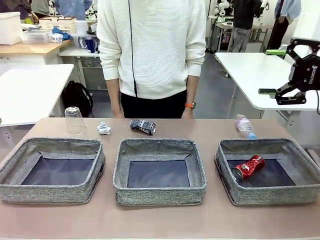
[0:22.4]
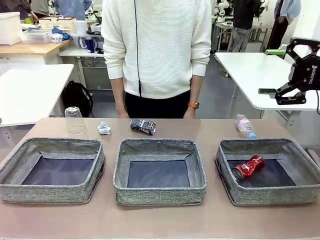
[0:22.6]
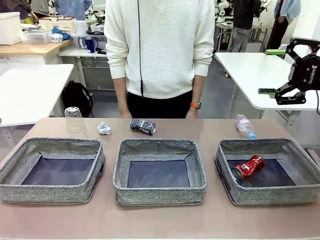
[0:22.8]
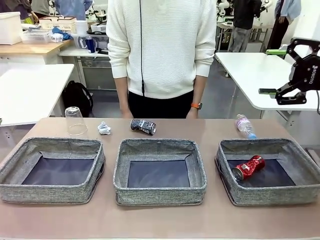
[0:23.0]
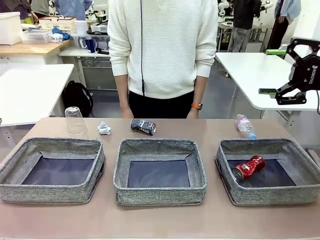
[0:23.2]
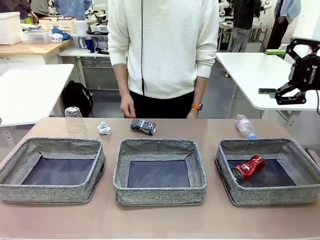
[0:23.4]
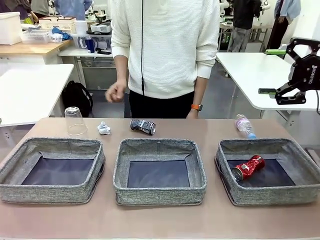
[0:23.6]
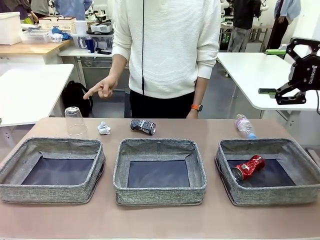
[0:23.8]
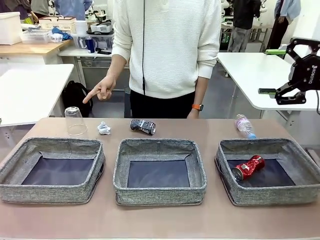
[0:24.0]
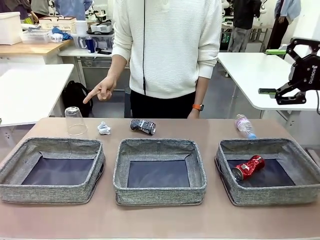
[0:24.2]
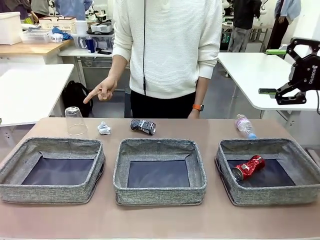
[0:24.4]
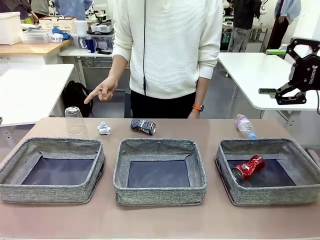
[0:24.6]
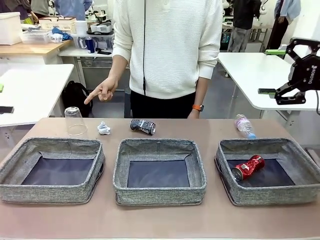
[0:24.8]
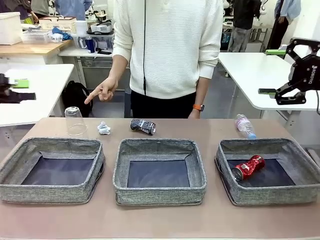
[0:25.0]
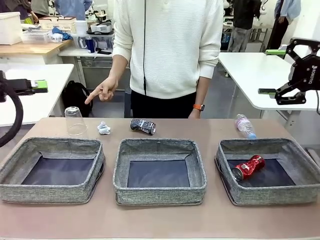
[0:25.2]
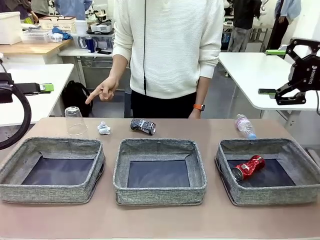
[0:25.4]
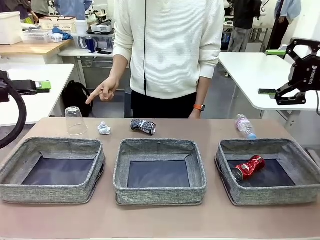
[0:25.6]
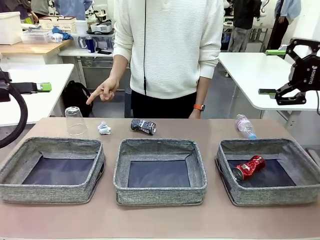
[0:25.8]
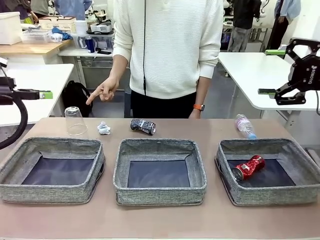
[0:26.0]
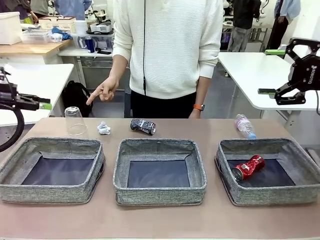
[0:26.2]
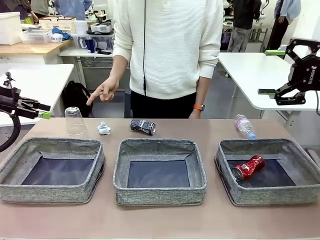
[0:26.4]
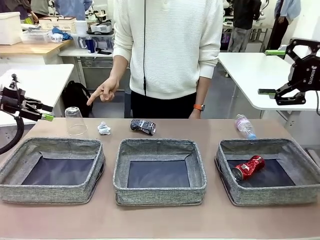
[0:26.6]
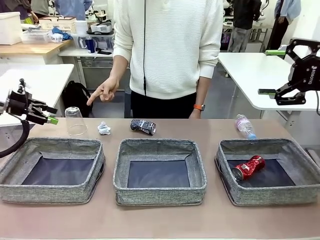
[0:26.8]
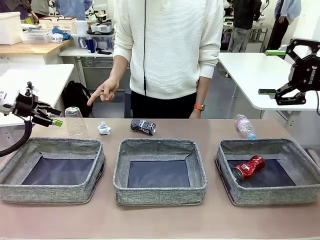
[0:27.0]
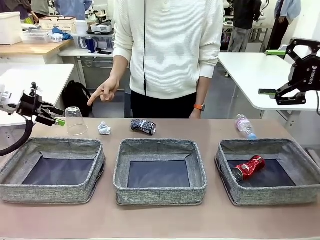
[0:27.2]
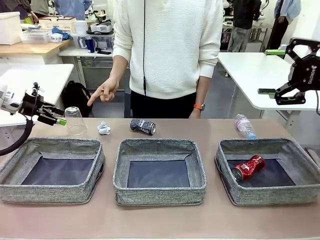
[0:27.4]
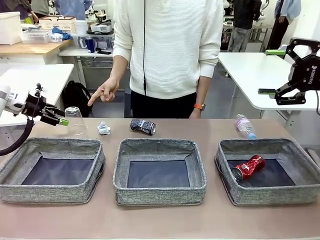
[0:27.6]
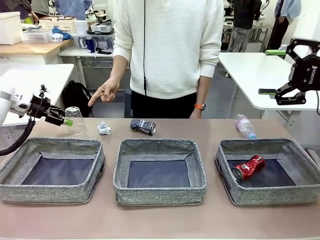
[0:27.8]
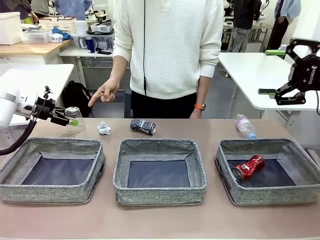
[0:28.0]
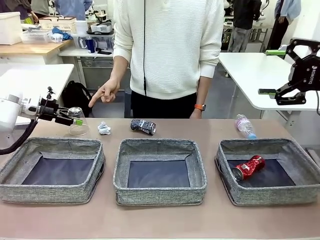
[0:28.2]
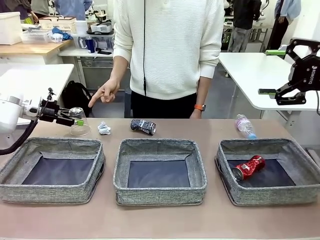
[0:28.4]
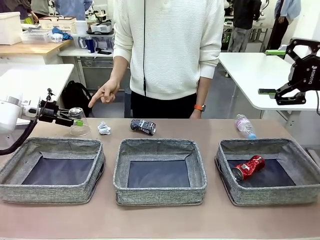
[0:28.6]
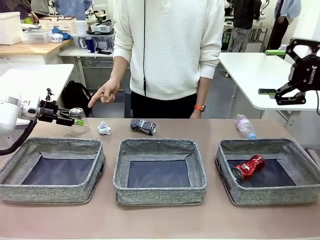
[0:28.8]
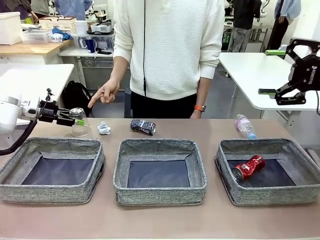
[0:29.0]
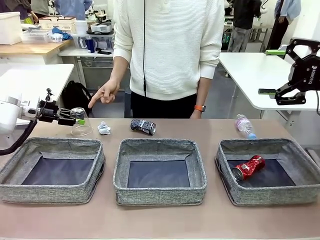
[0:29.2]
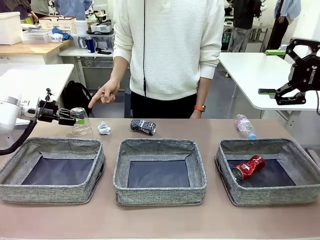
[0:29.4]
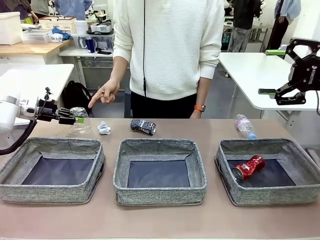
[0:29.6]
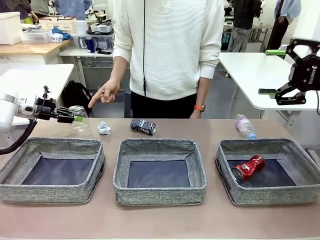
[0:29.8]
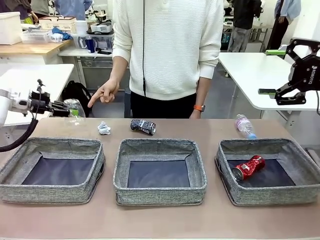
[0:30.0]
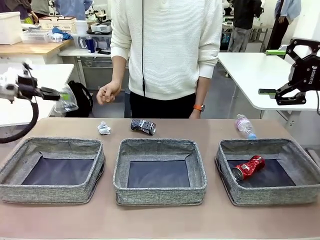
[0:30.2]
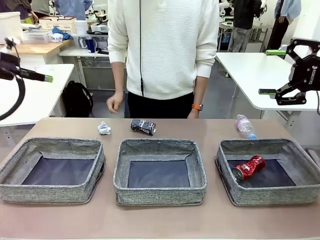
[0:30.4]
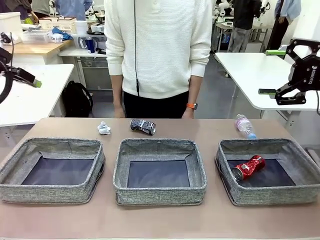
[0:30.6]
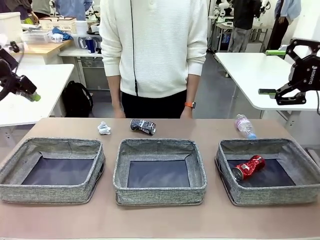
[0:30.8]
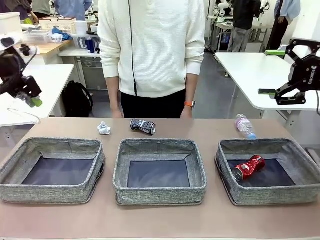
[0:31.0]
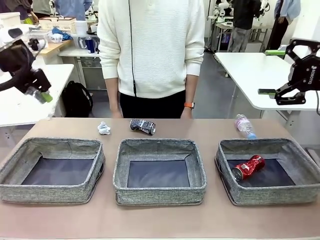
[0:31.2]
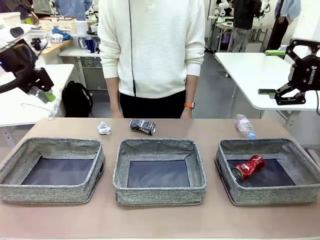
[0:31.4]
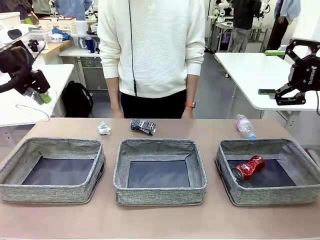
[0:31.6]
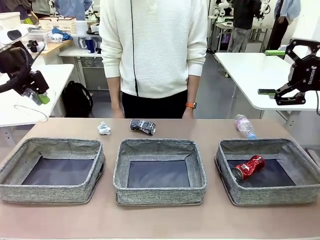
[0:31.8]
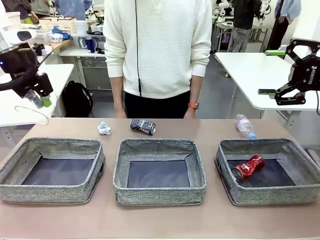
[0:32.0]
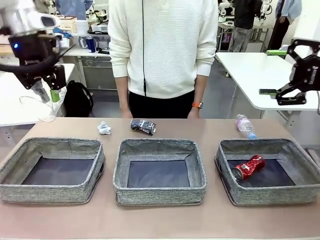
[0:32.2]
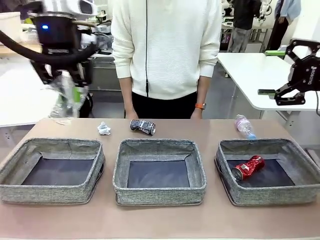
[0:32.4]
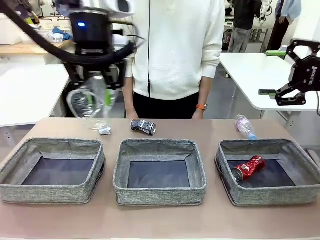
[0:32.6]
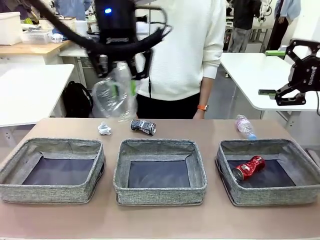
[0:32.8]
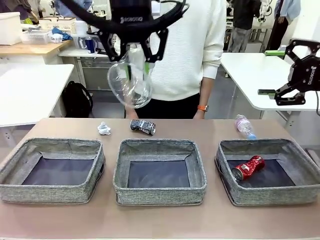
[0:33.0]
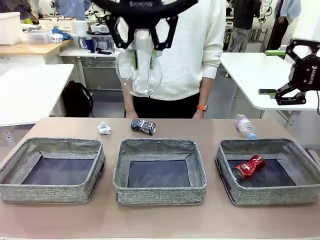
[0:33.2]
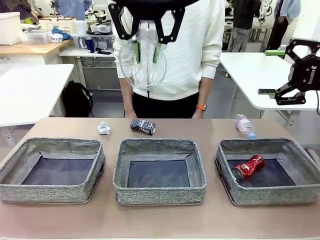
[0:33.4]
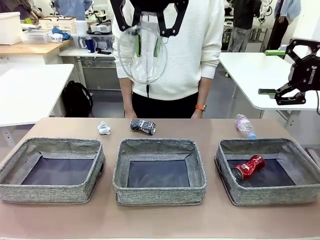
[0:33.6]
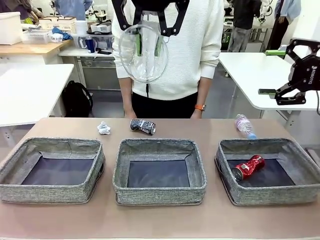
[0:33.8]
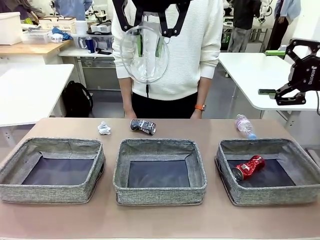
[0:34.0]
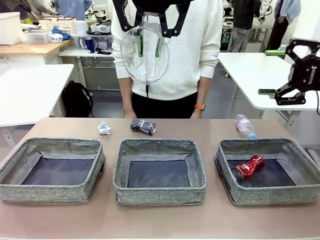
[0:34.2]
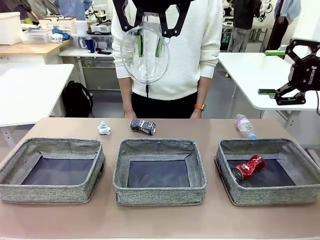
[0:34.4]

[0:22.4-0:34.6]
Task: Sort the waste into the appropriate baskets.
Robot: Pick up the waste item pointed out by the person.
Person: Points to one piece of trash on the table.

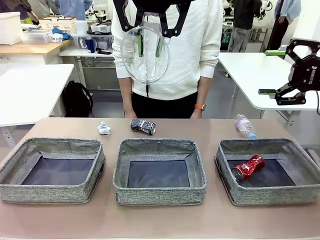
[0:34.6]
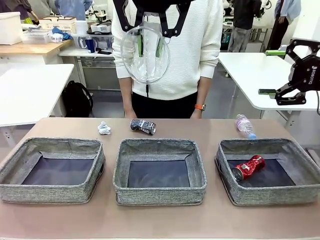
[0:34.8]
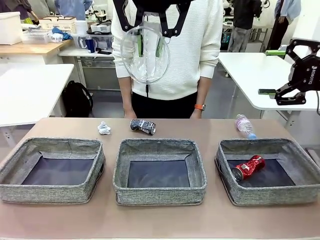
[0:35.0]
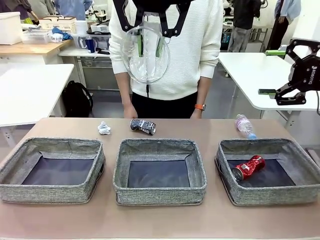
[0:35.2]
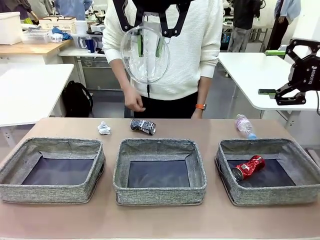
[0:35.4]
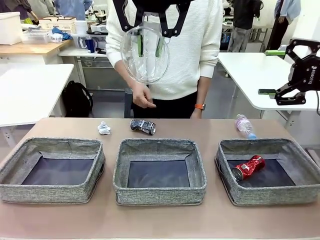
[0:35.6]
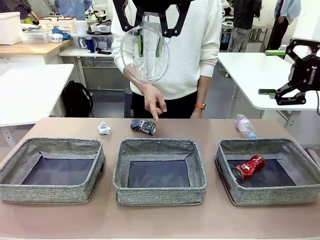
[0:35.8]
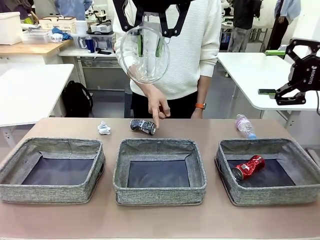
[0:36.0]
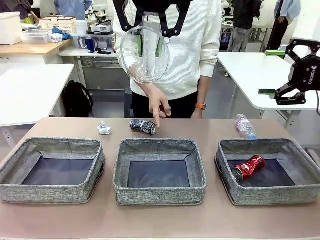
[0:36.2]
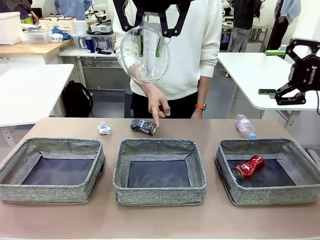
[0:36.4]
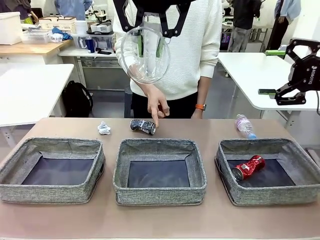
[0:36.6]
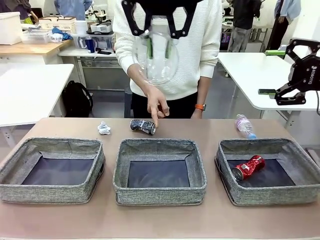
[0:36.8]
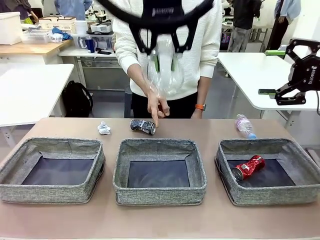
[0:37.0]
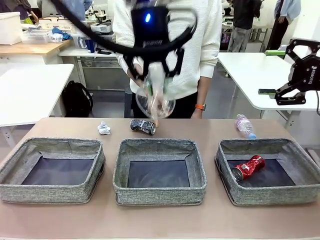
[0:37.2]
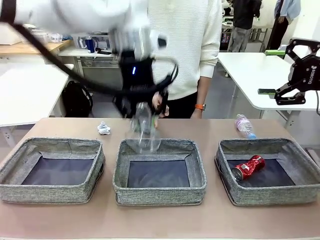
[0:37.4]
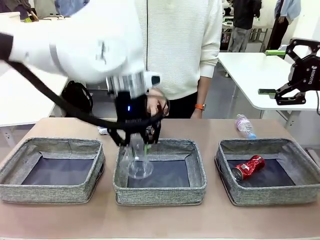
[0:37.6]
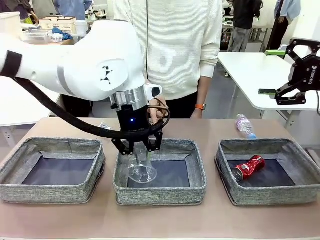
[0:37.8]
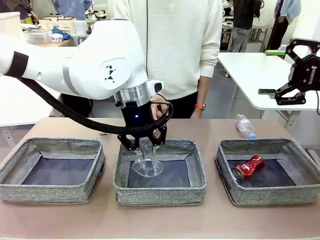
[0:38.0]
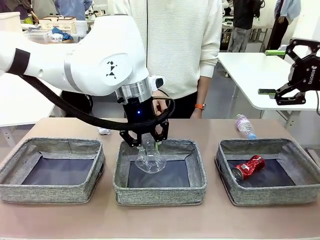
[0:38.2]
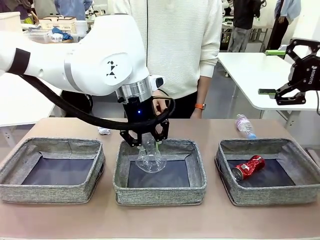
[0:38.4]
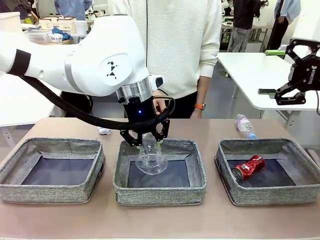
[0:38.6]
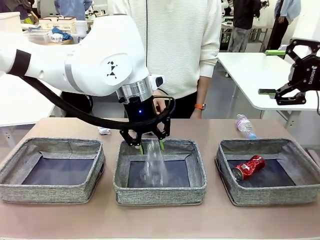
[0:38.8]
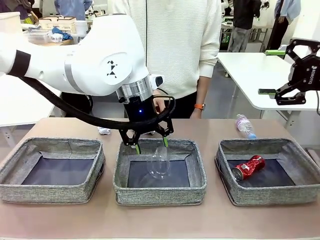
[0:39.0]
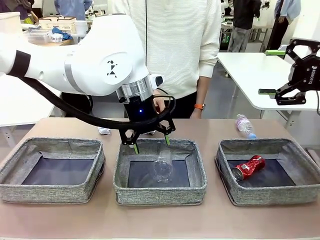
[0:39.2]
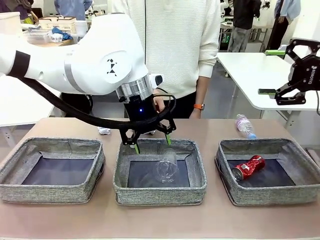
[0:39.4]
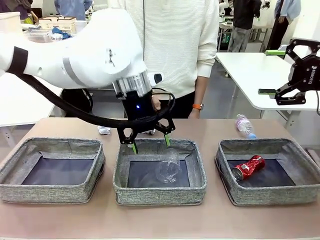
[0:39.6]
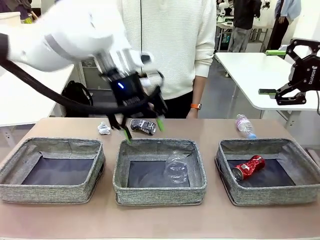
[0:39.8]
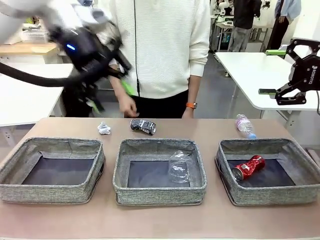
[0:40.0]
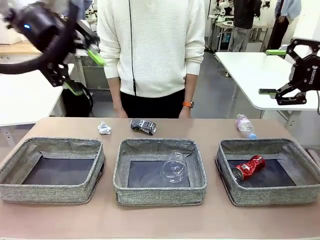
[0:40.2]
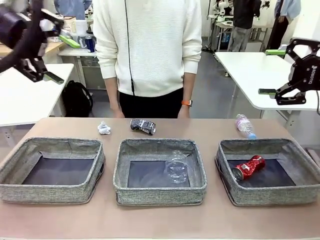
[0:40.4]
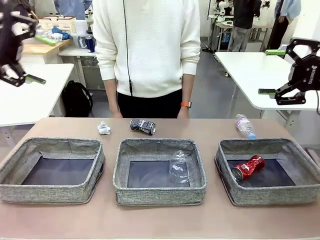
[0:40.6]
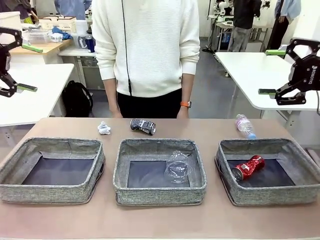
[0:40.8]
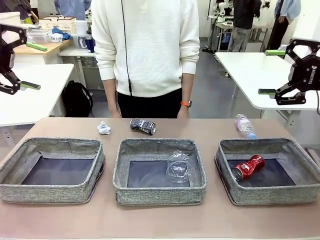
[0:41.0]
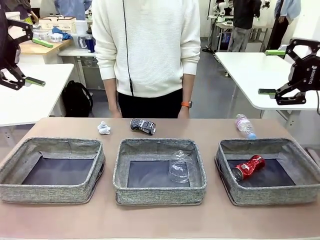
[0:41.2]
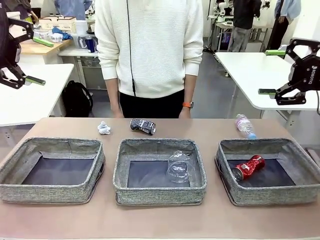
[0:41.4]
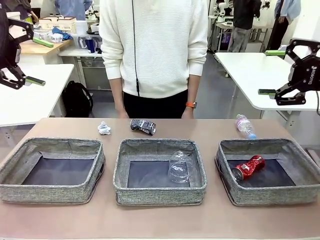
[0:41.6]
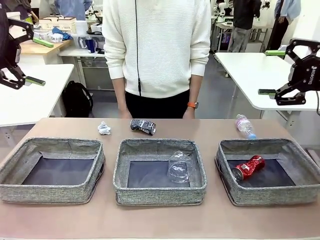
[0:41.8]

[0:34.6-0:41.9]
Robot: Place the picked waste into the Fabric basket indicated by the person.
Person: Instructs the robot to place the picked-up trash into the appropriate organizing basket.
